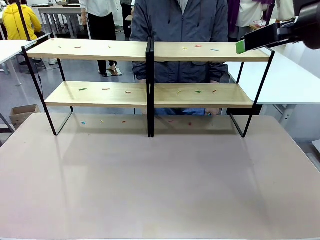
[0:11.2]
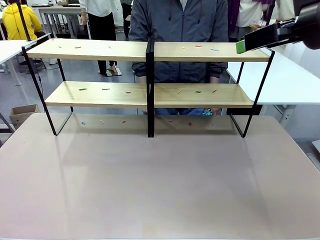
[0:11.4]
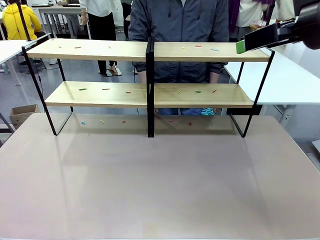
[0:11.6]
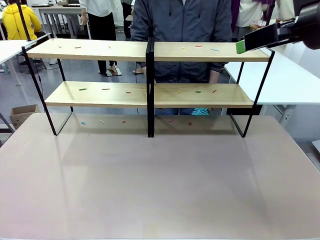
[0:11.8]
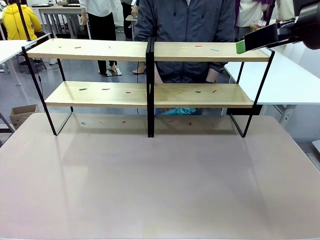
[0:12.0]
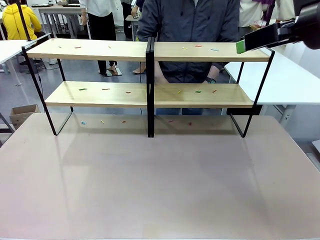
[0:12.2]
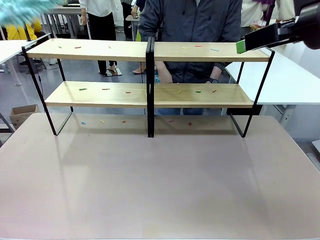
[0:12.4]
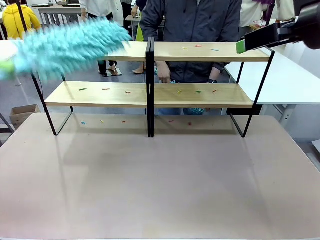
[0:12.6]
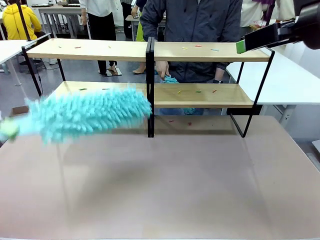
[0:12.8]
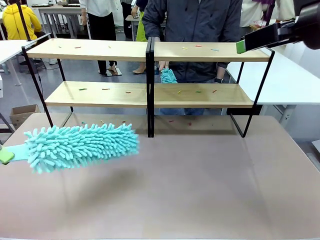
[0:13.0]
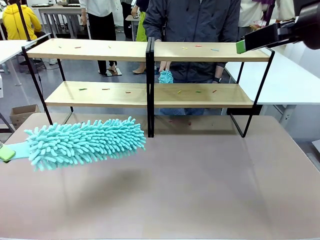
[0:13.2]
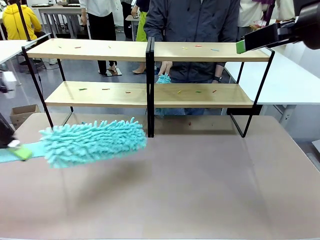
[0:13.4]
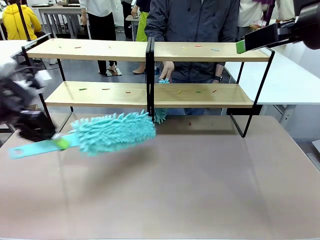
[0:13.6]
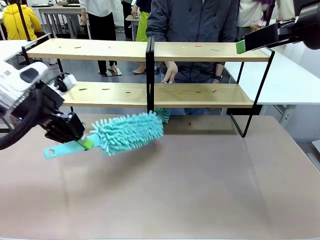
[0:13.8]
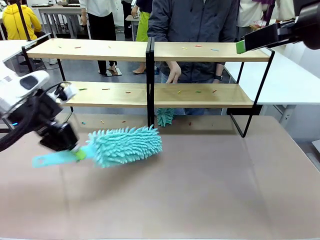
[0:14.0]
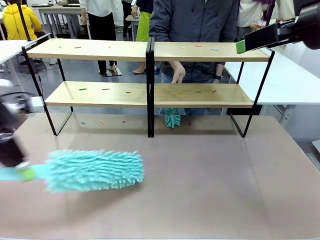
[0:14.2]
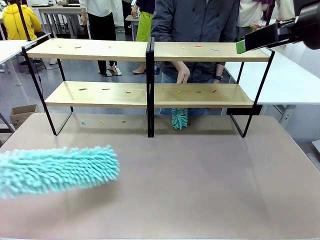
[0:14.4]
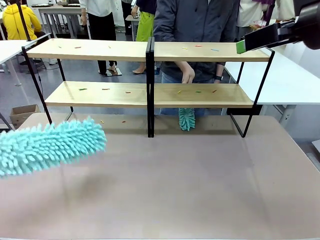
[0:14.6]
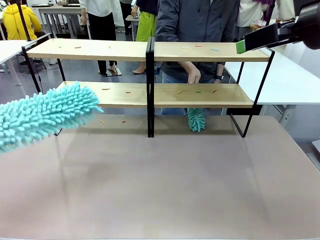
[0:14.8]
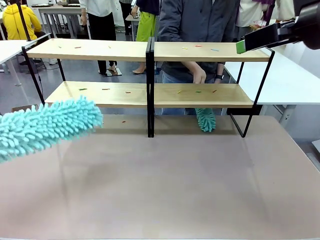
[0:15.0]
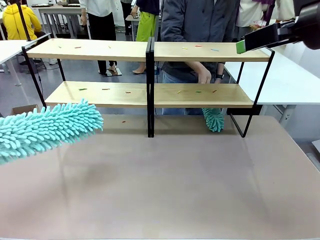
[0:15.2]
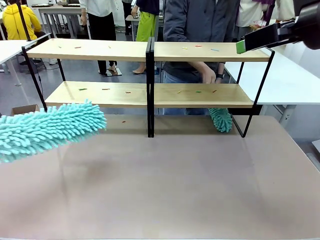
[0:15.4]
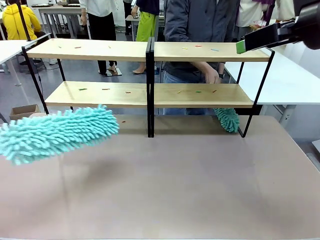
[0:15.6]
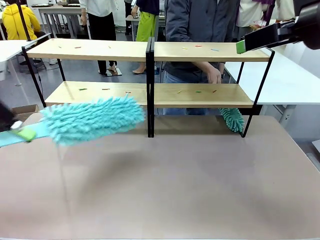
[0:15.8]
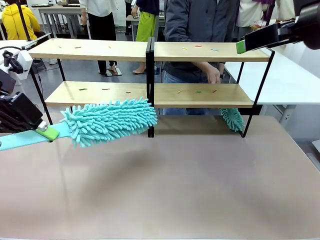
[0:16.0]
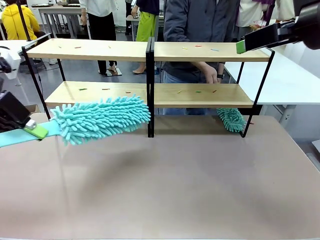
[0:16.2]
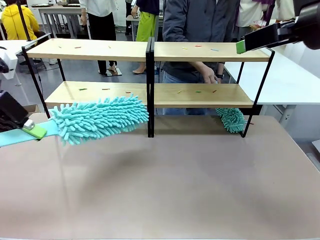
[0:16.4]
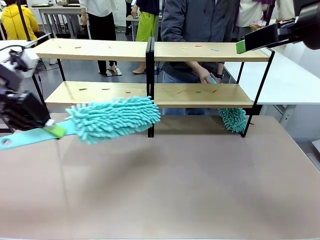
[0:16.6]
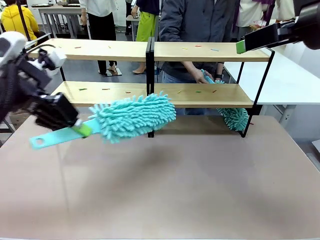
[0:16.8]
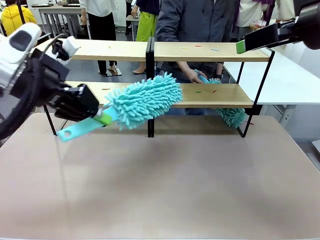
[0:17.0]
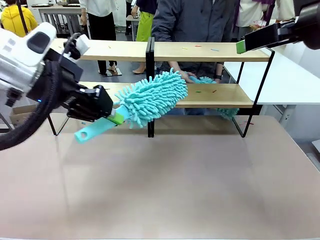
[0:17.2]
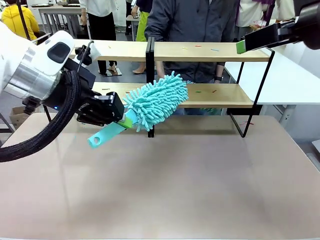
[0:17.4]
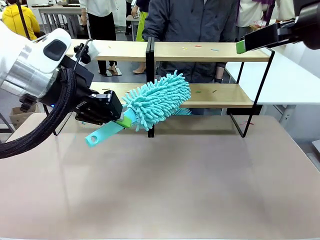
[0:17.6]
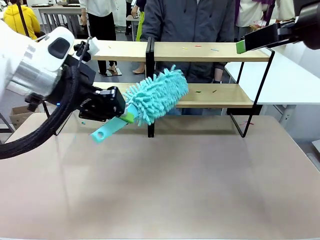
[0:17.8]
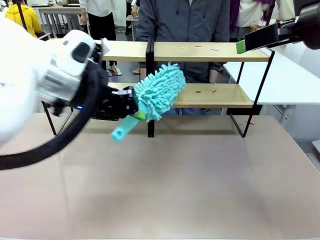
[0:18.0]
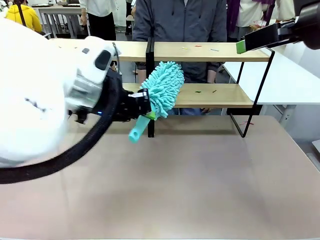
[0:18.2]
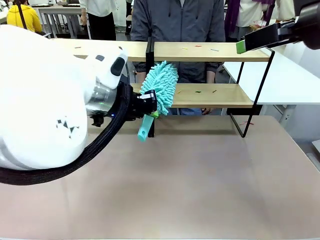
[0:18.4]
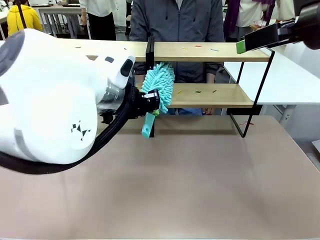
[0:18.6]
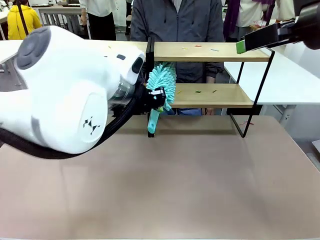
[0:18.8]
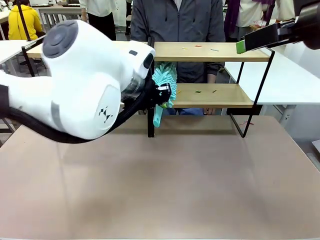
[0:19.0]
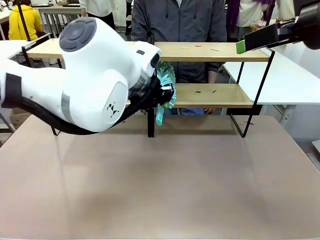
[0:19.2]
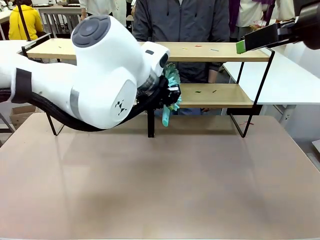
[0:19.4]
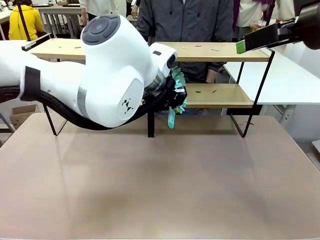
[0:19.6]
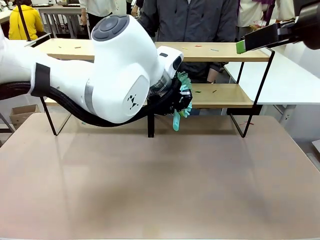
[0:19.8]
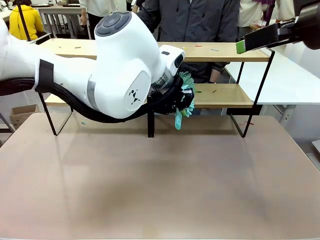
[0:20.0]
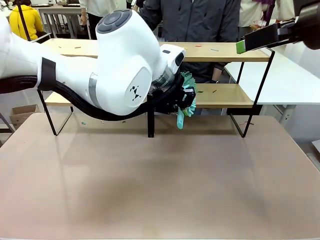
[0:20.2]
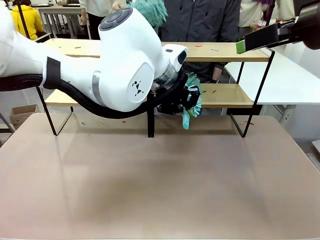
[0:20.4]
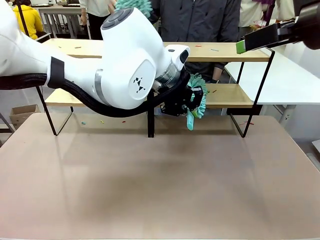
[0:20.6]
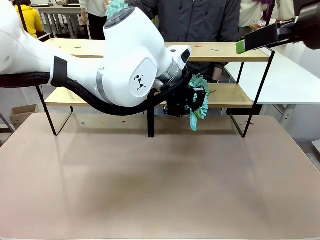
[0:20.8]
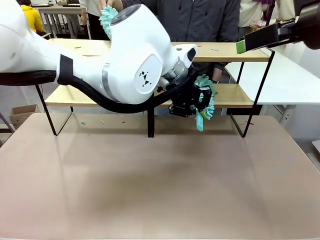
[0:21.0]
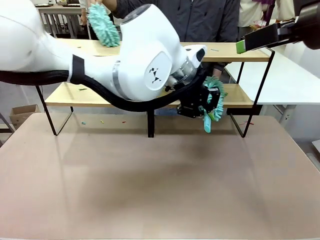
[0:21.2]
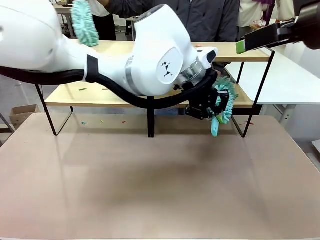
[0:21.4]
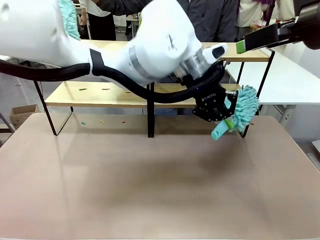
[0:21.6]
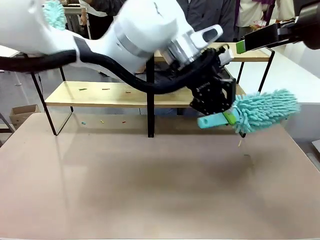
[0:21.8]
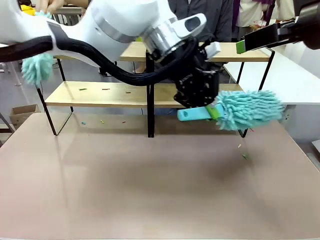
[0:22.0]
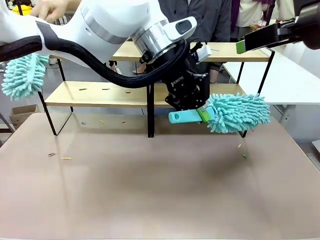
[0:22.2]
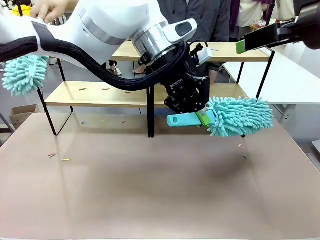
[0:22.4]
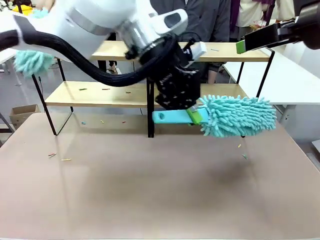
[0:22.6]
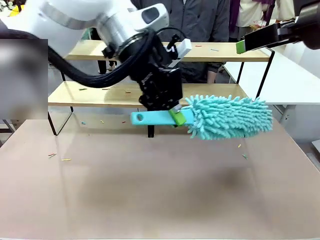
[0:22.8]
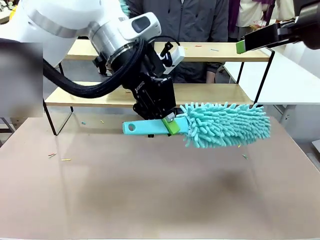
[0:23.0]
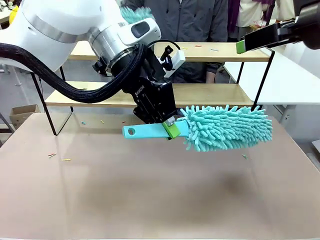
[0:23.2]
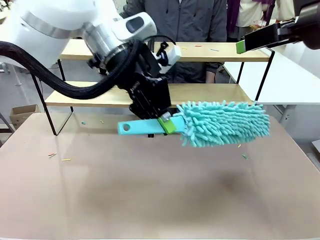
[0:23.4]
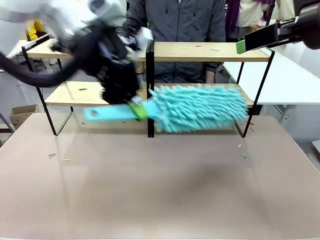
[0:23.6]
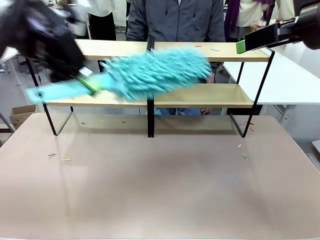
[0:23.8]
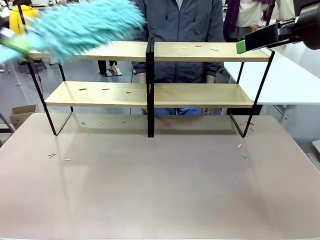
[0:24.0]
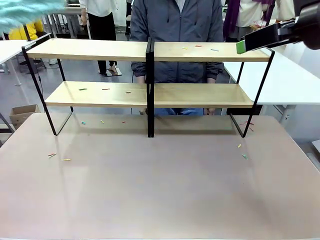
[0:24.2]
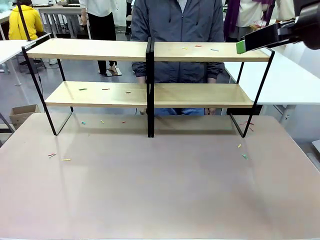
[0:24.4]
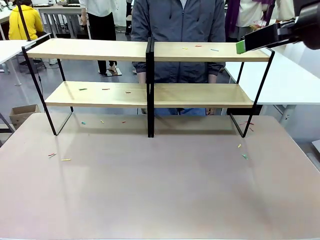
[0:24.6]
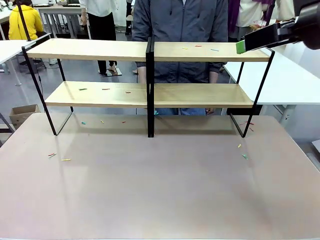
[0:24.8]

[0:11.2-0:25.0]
Task: Clean the shelves.
Robot: Clean a randomly selected level of the Shelf with the Duster.

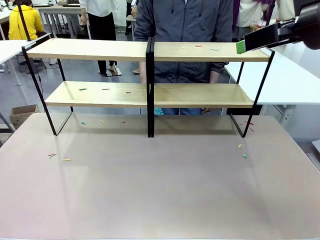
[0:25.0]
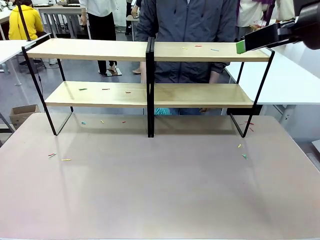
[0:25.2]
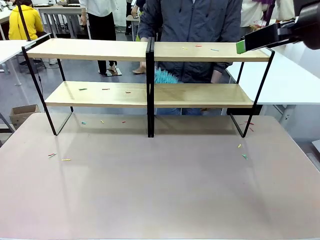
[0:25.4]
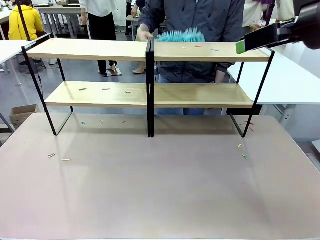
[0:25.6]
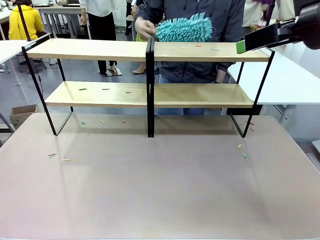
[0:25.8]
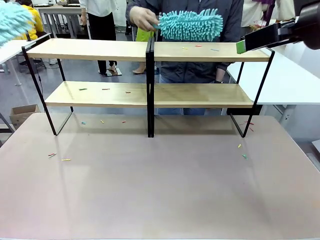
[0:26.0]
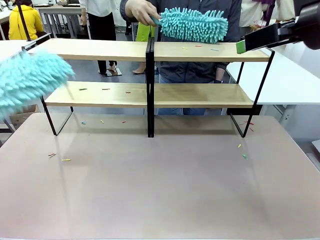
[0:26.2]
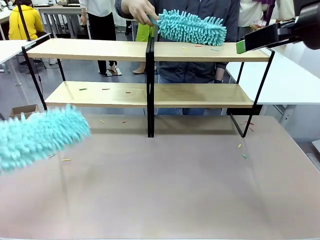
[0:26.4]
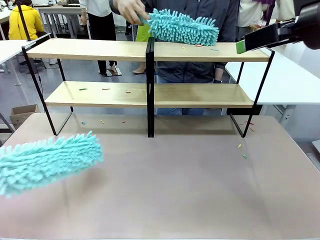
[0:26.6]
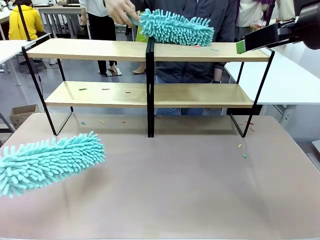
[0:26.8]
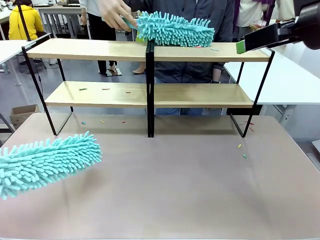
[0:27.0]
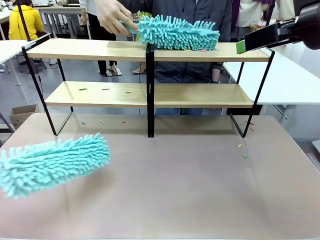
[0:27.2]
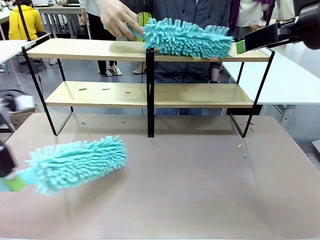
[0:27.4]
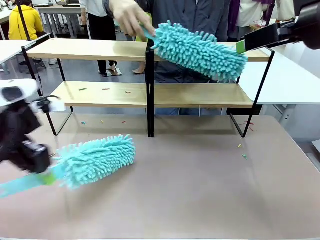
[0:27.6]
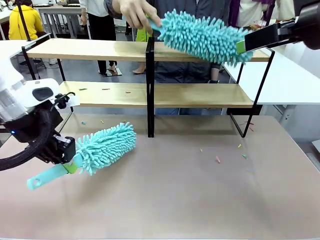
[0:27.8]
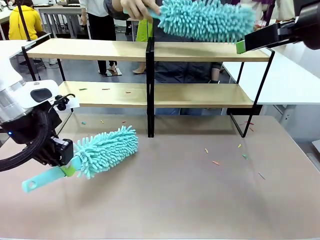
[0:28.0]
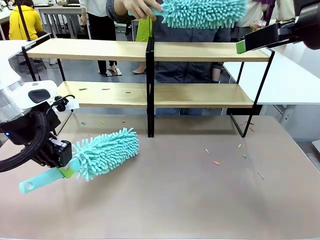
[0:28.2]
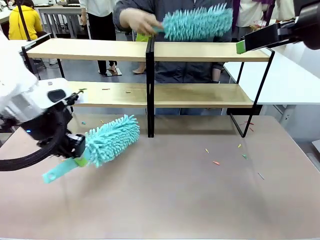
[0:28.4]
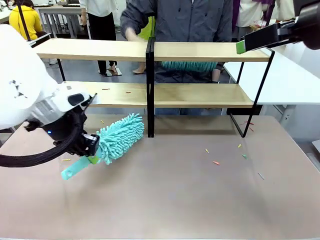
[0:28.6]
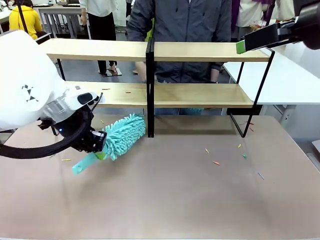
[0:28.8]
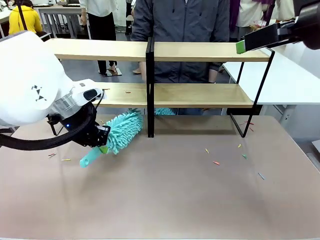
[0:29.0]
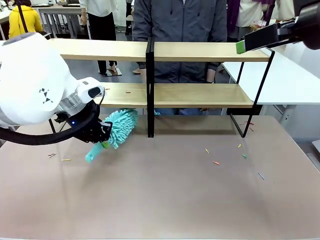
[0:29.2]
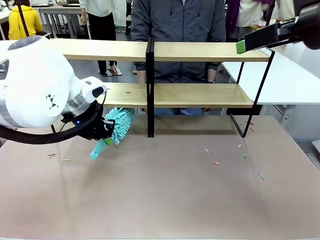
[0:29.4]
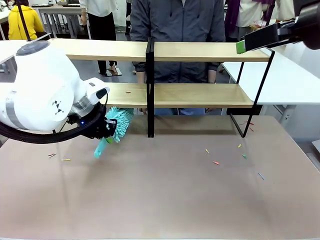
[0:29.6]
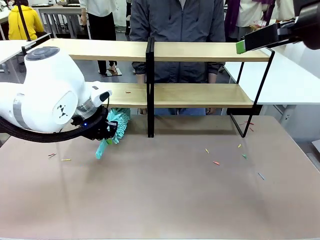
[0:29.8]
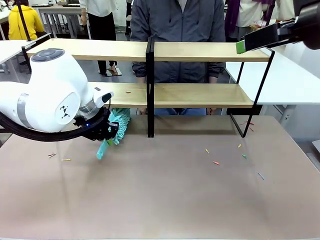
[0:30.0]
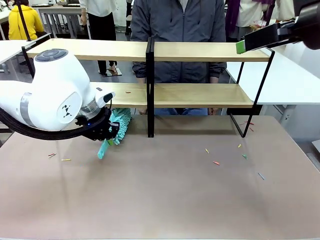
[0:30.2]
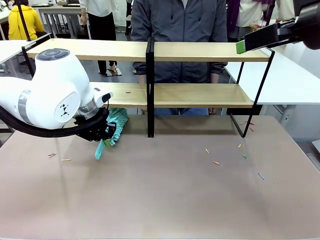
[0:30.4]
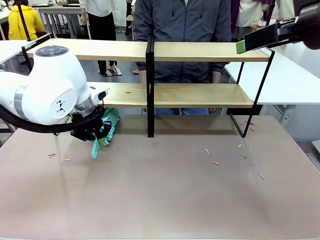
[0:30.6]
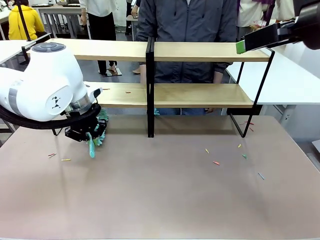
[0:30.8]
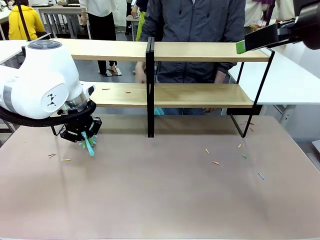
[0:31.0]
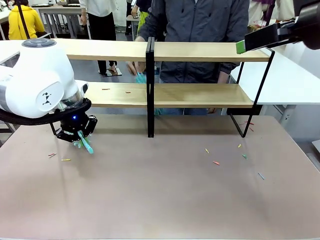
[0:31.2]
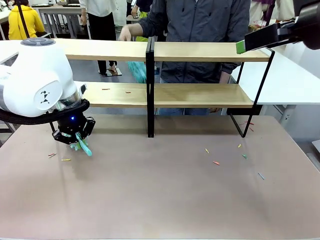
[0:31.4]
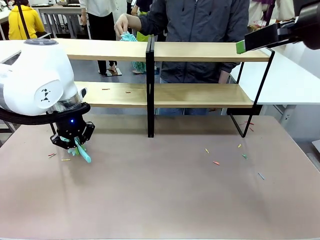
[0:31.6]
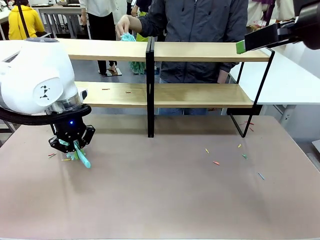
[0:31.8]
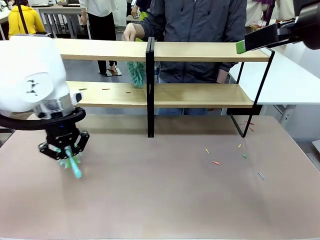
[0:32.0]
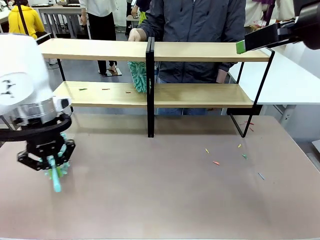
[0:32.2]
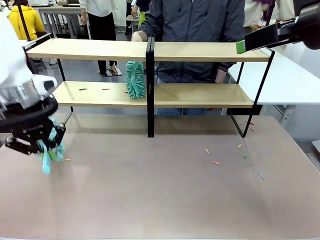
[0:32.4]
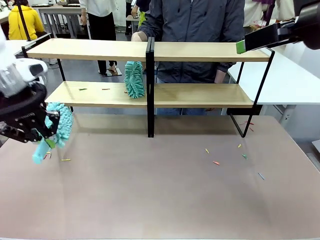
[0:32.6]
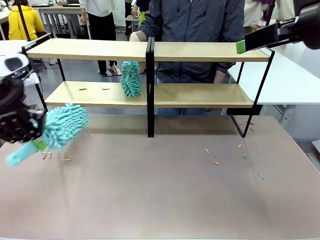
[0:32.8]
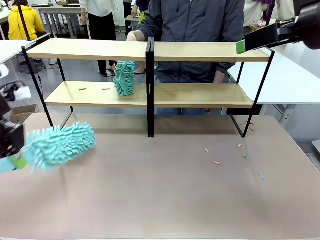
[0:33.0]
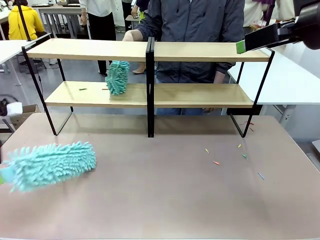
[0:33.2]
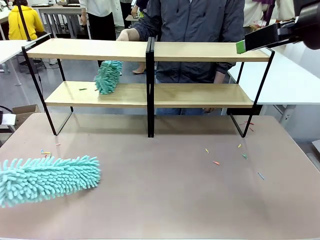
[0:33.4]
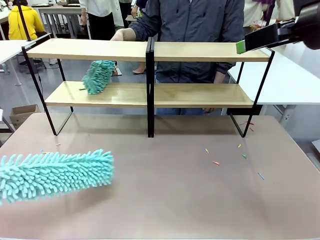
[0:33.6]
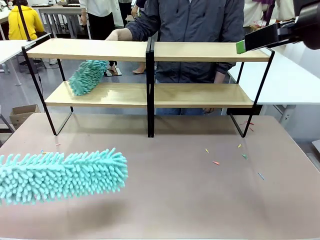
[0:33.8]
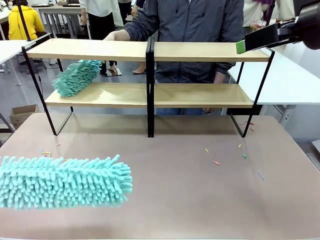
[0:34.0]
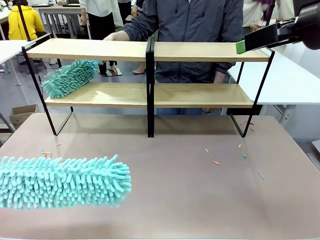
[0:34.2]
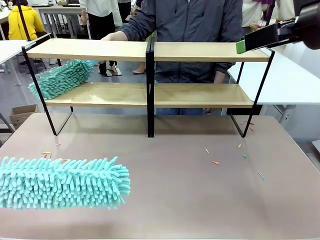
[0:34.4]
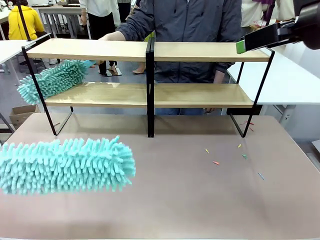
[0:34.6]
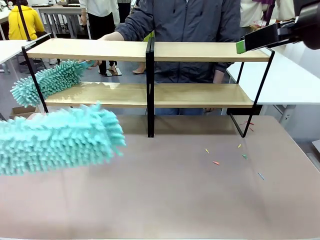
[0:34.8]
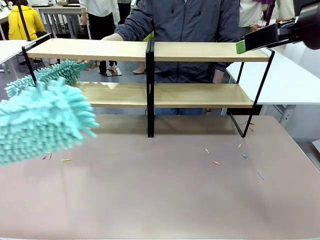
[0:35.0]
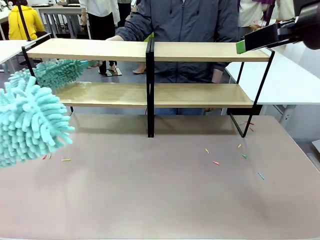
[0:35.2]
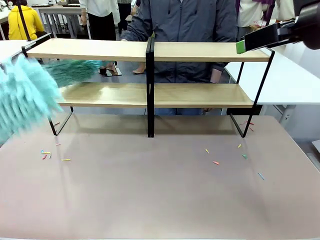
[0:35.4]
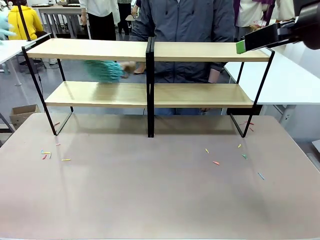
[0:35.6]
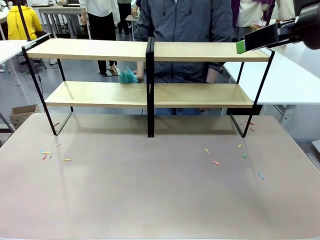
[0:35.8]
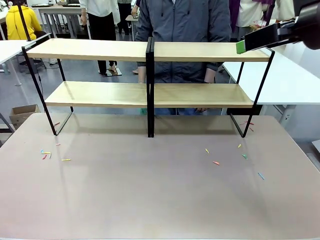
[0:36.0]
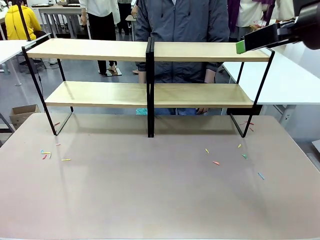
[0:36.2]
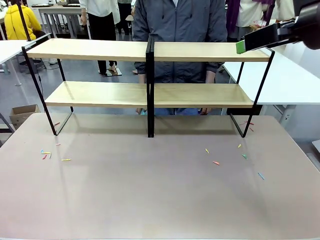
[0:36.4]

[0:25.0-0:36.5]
Robot: Clean another randomly selected level of the Shelf with the Duster.
